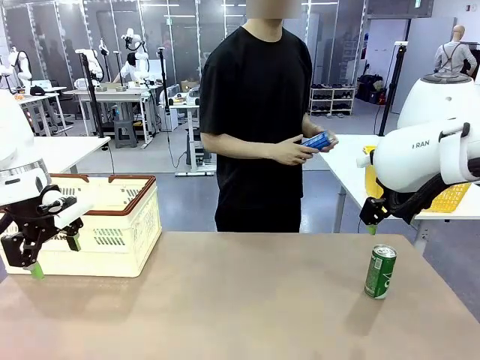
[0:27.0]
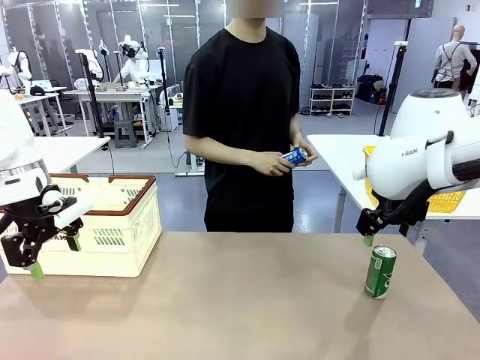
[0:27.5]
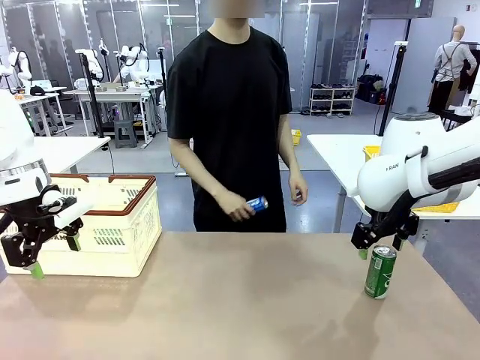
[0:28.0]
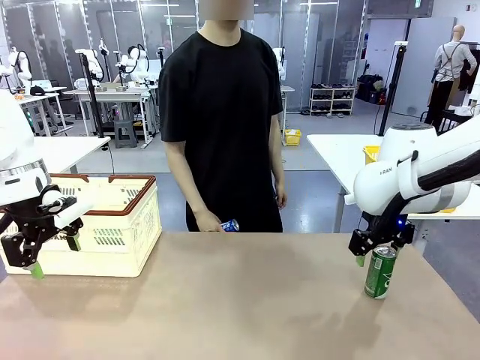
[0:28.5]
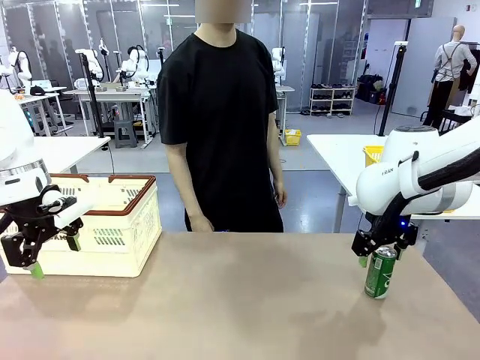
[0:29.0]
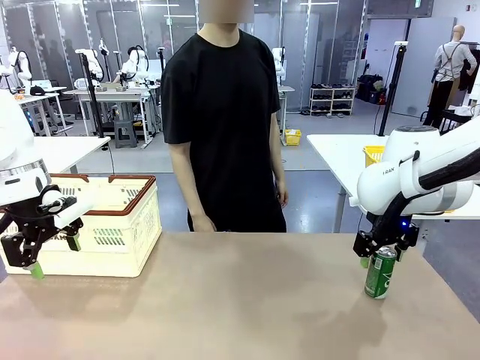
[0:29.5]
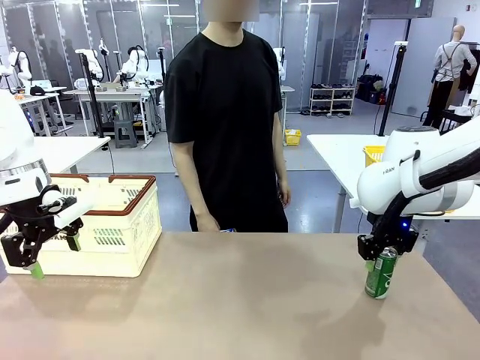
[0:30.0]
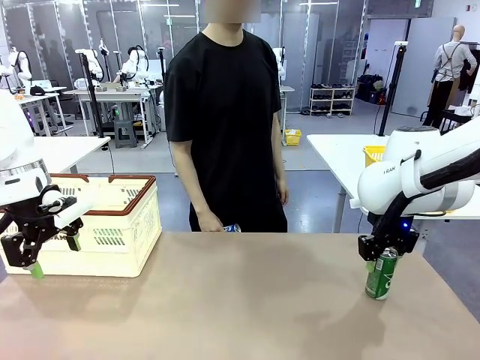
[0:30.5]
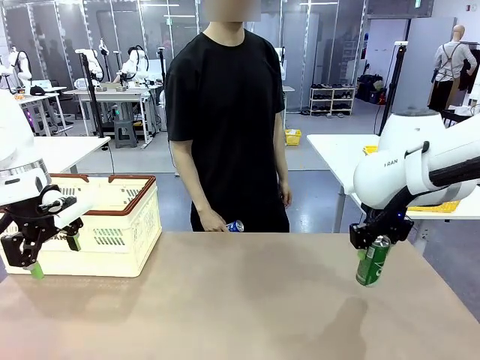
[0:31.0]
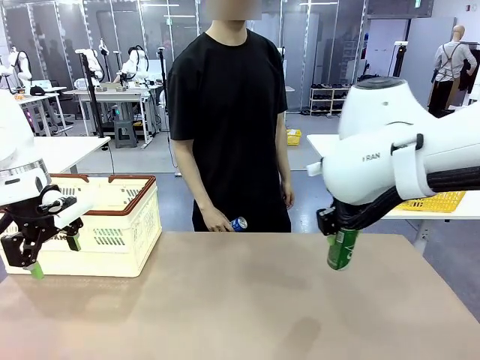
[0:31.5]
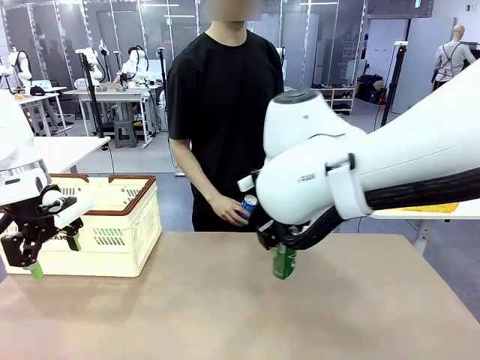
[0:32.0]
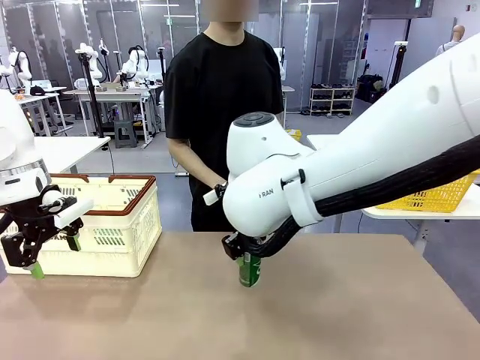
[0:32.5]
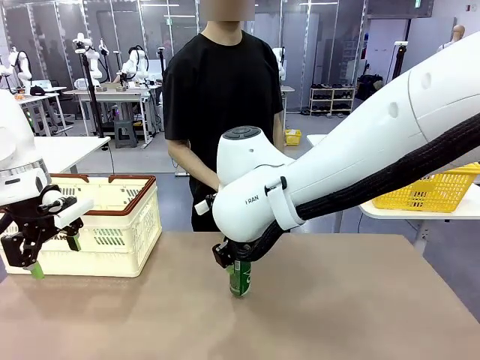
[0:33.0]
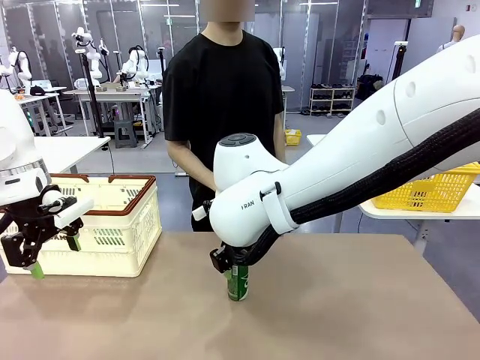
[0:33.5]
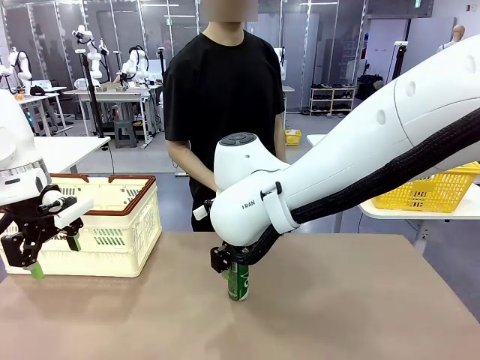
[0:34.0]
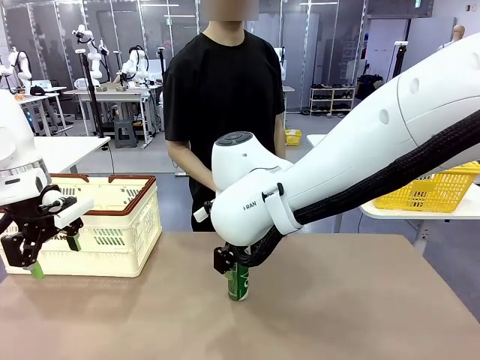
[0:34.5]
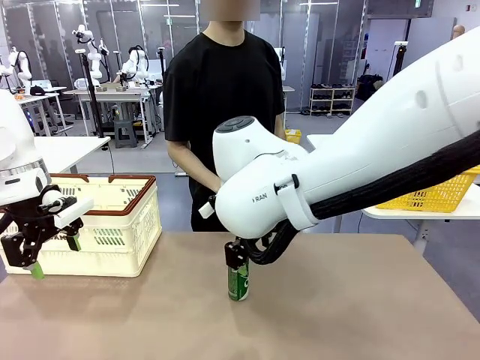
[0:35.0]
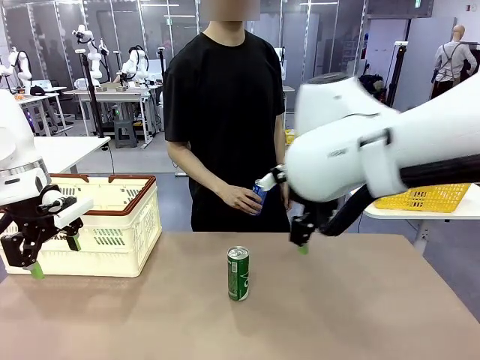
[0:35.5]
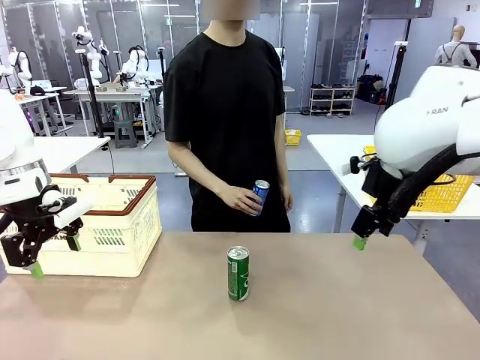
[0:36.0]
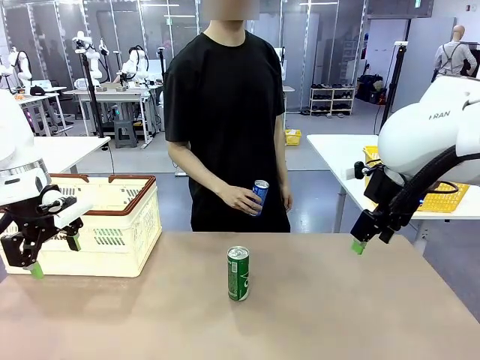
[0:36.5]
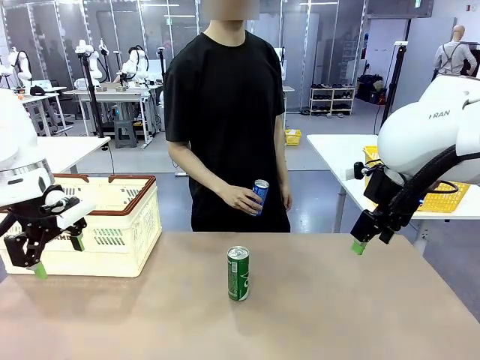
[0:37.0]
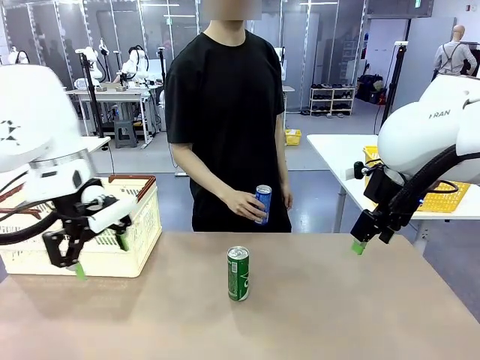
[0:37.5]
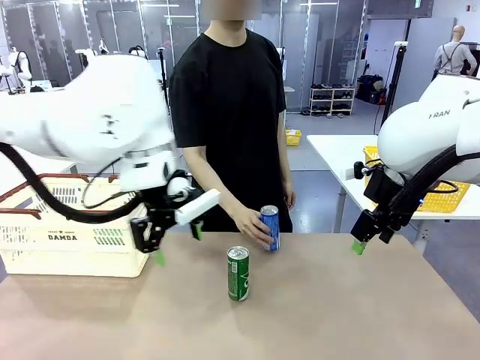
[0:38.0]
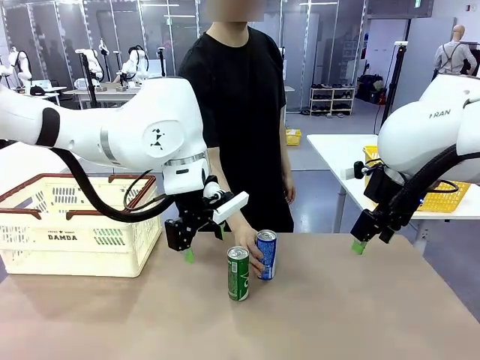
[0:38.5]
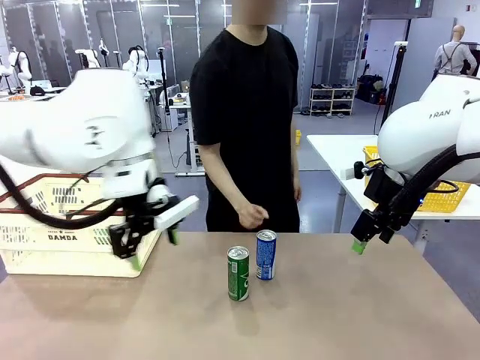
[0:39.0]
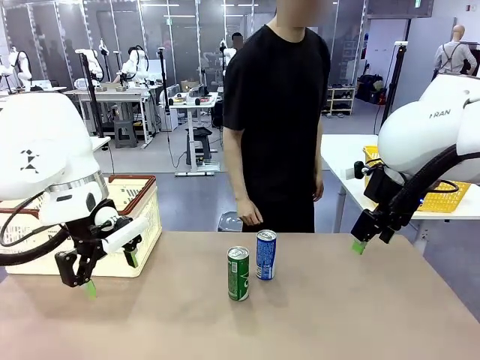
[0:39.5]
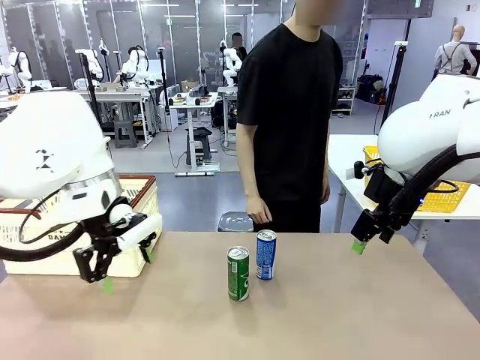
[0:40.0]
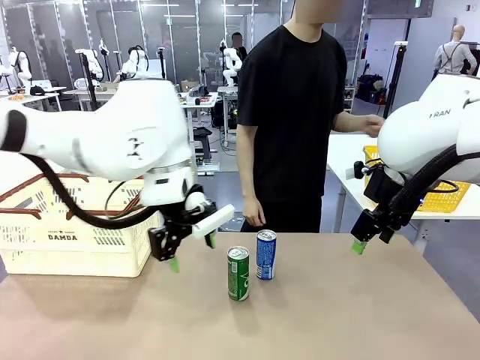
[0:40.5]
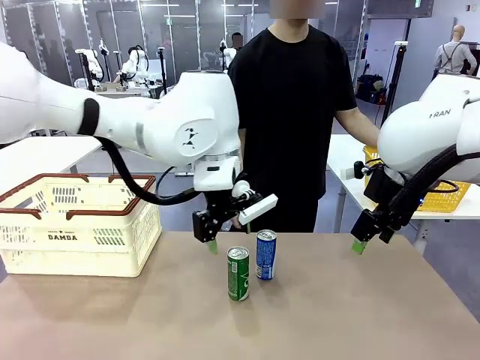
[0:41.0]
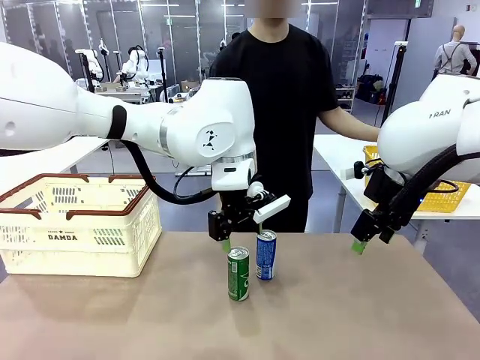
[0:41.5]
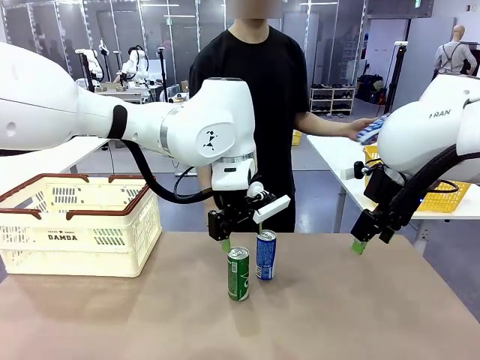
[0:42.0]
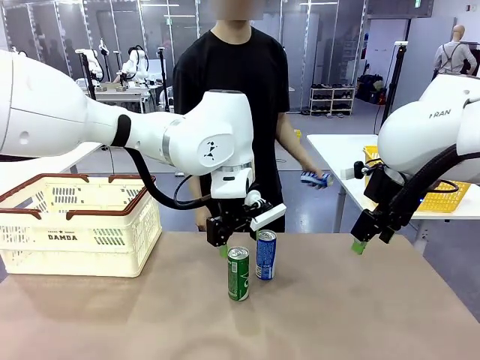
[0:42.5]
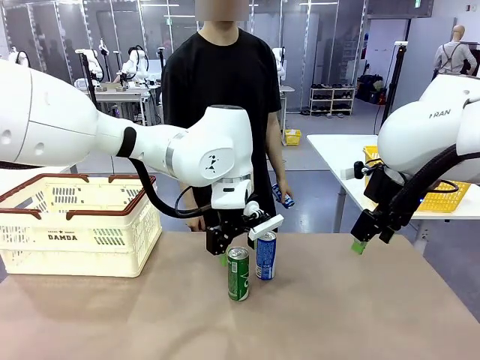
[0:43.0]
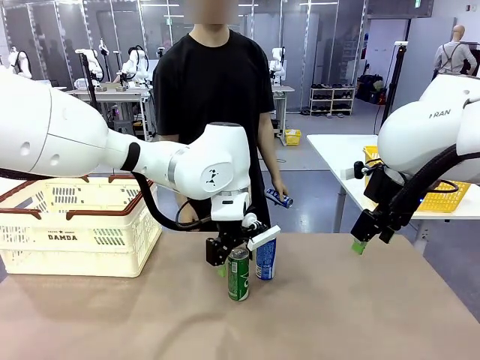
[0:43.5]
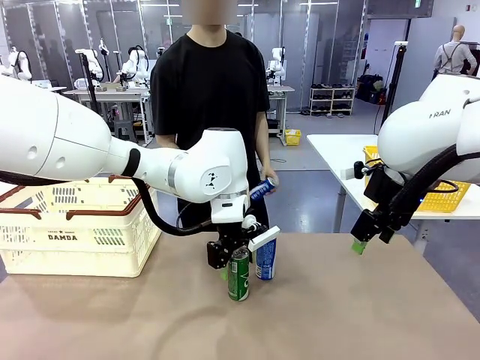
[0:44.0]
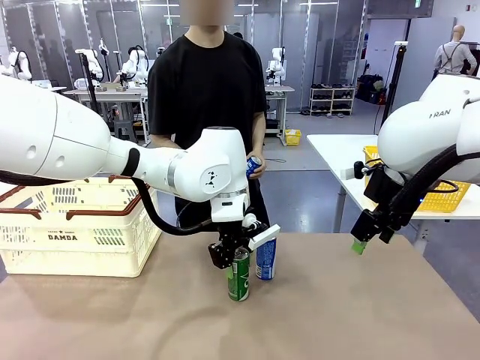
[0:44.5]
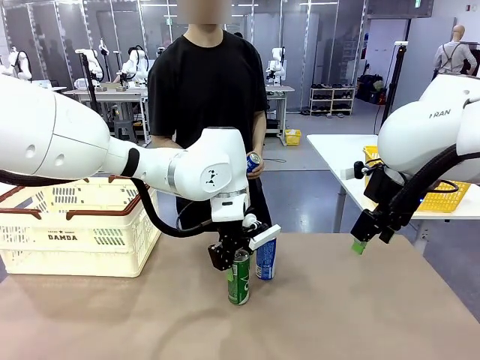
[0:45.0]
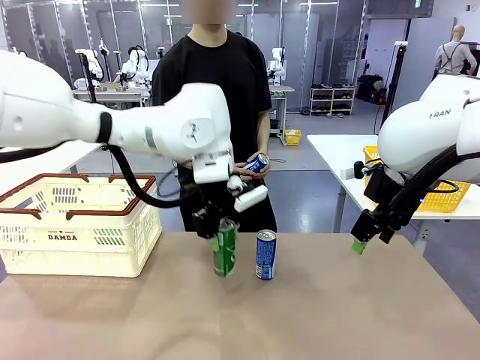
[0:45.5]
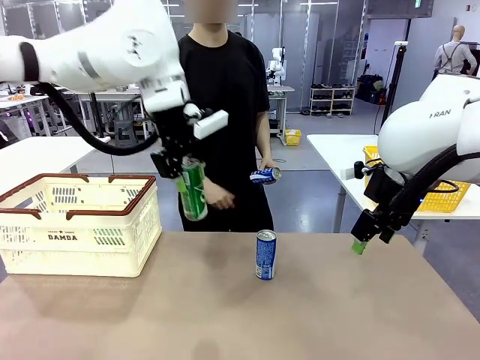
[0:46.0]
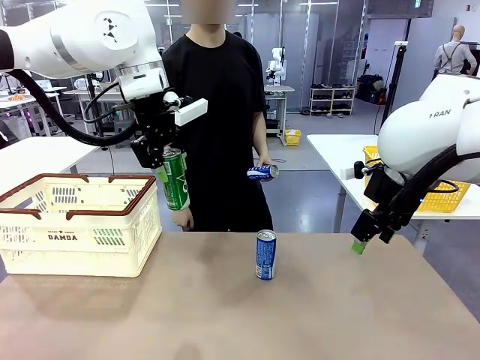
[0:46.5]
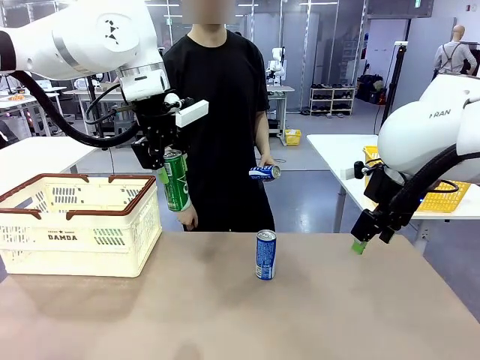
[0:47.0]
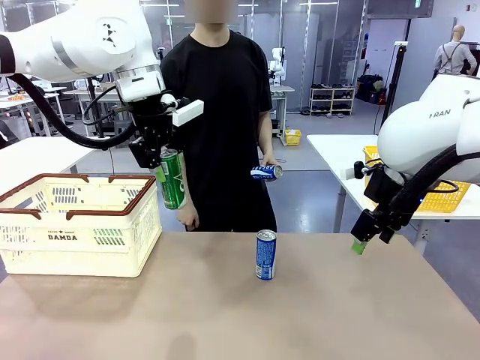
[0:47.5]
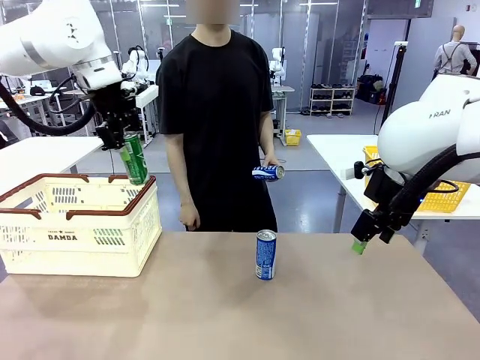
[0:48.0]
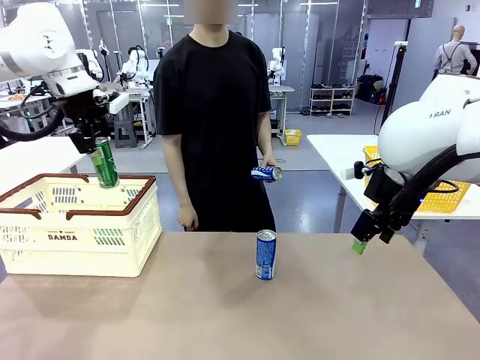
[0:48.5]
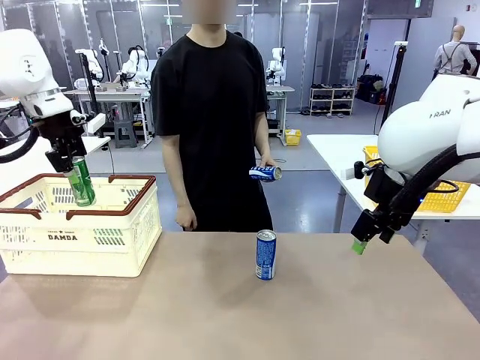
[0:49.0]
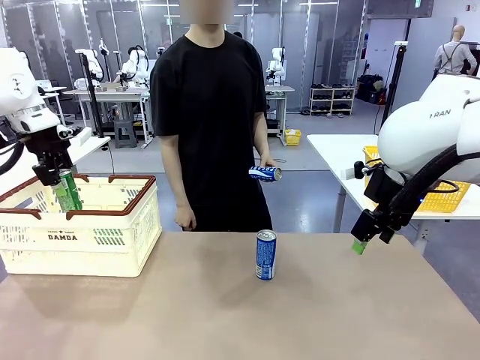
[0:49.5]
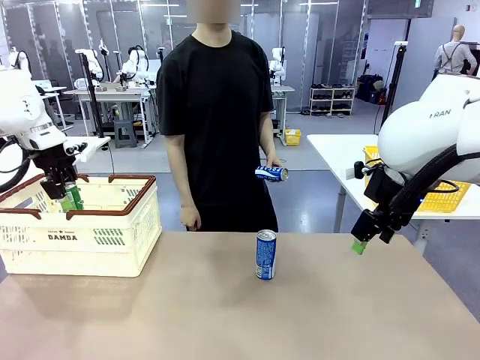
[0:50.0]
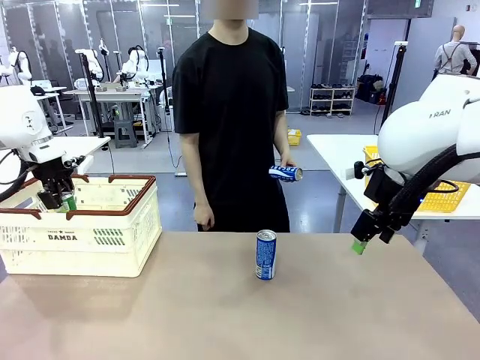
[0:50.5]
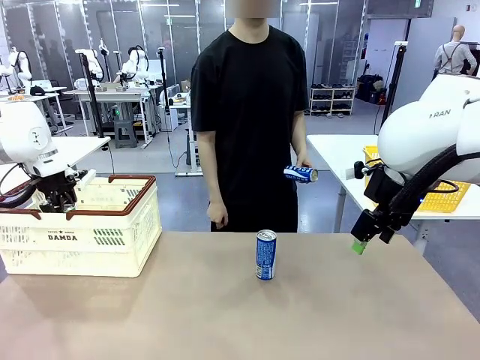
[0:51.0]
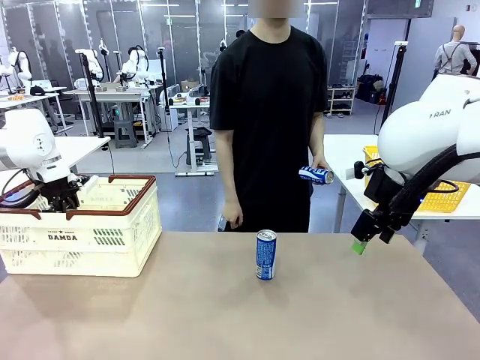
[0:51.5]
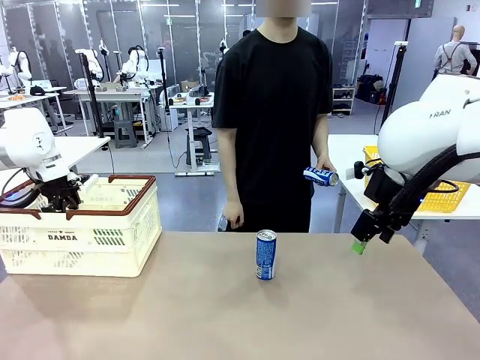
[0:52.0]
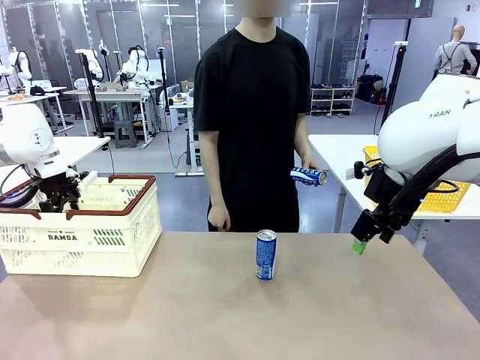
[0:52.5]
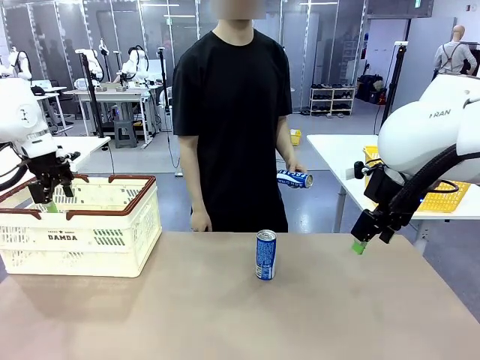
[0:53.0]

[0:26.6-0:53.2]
Task: Place the drinks into the Shopping basket.
Robot: Pick up one drink and place it into the Shopping basket.
